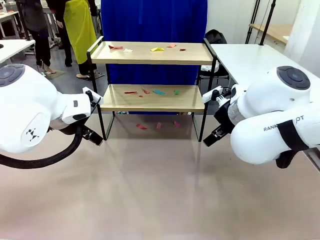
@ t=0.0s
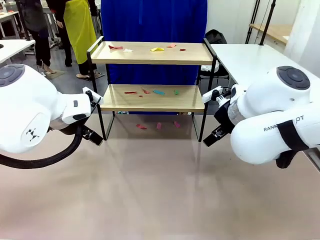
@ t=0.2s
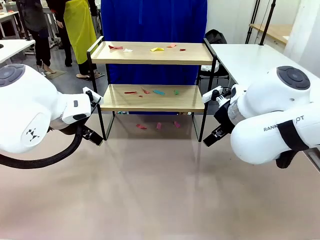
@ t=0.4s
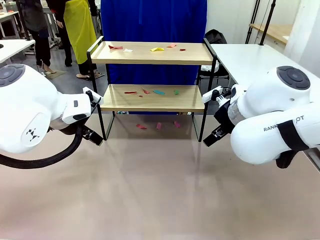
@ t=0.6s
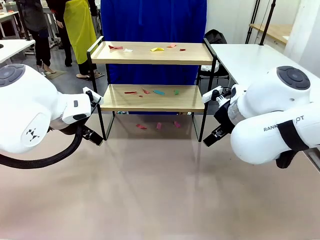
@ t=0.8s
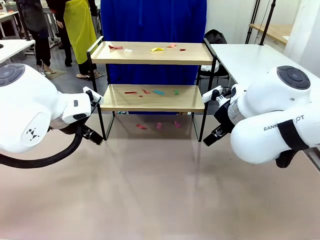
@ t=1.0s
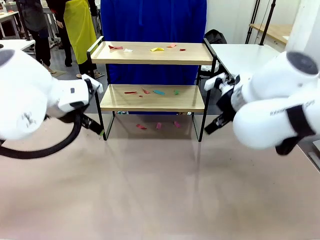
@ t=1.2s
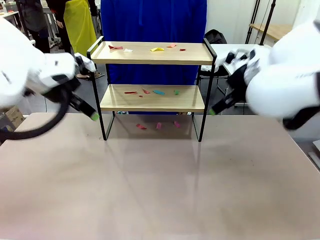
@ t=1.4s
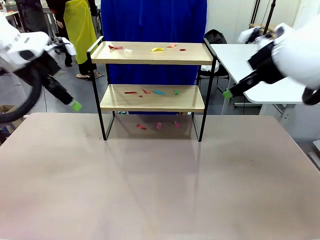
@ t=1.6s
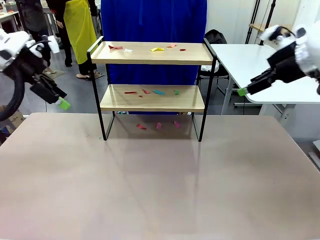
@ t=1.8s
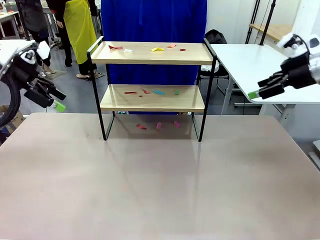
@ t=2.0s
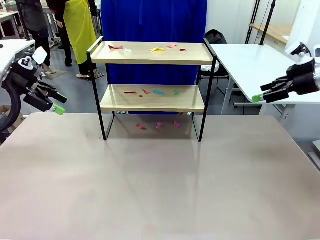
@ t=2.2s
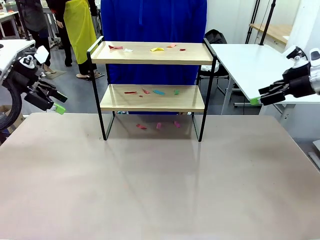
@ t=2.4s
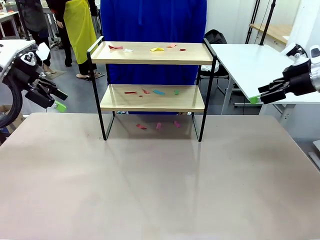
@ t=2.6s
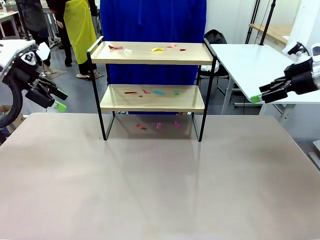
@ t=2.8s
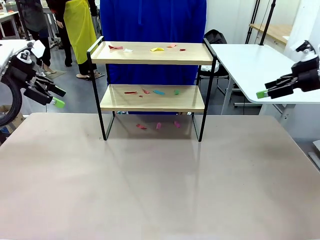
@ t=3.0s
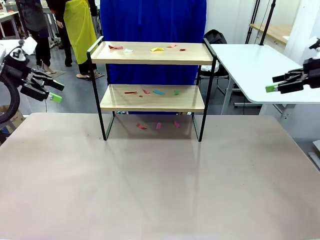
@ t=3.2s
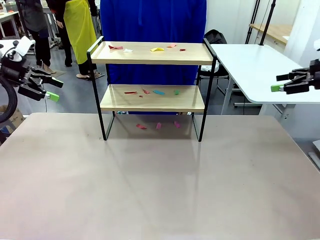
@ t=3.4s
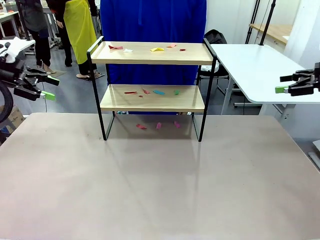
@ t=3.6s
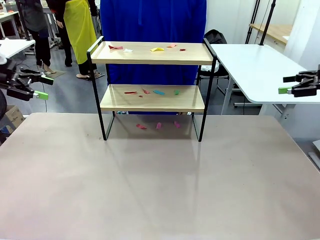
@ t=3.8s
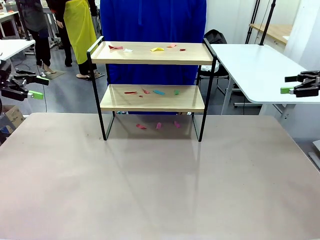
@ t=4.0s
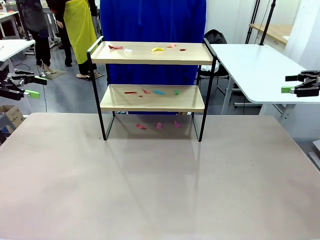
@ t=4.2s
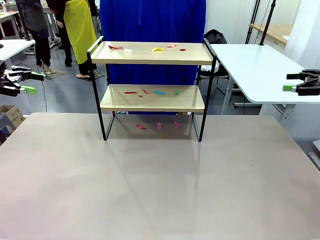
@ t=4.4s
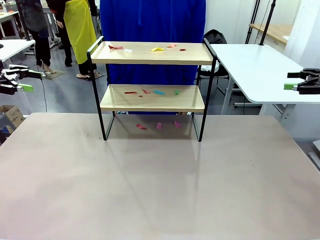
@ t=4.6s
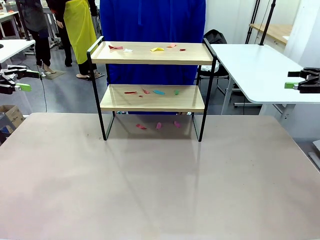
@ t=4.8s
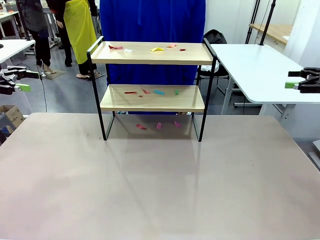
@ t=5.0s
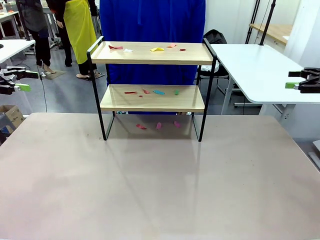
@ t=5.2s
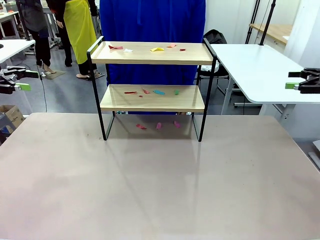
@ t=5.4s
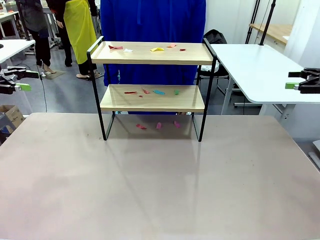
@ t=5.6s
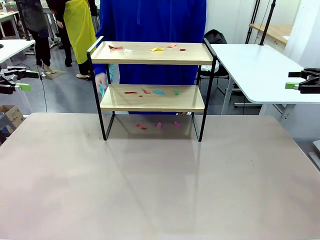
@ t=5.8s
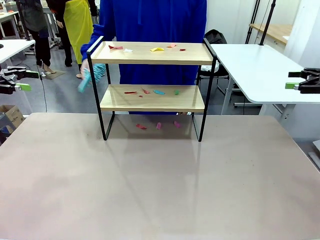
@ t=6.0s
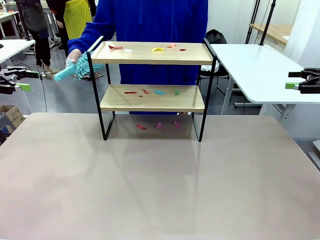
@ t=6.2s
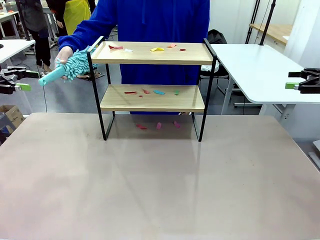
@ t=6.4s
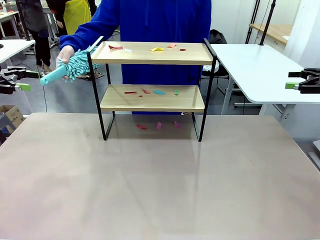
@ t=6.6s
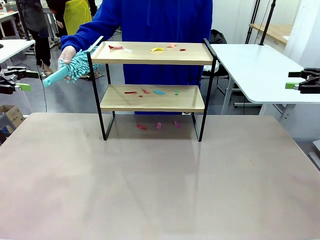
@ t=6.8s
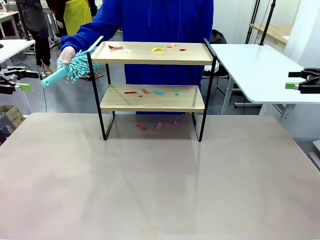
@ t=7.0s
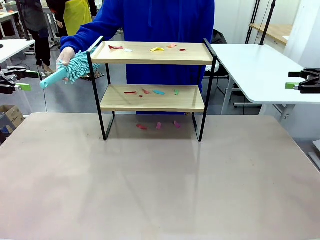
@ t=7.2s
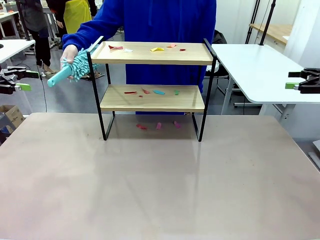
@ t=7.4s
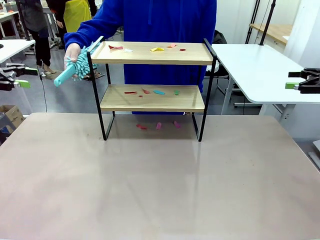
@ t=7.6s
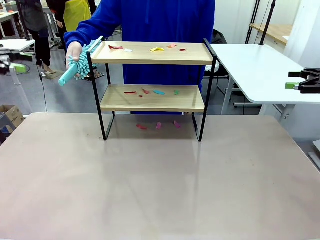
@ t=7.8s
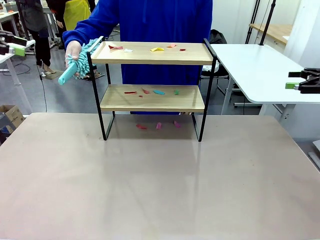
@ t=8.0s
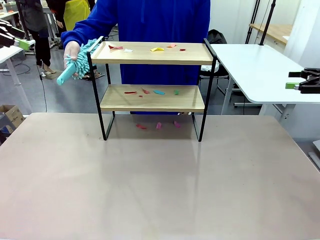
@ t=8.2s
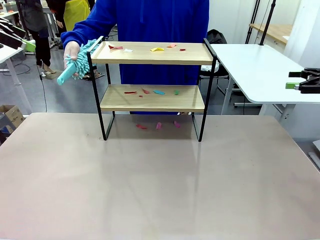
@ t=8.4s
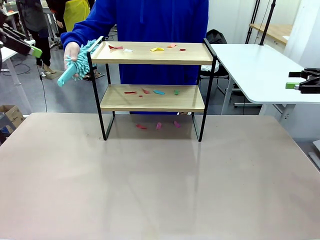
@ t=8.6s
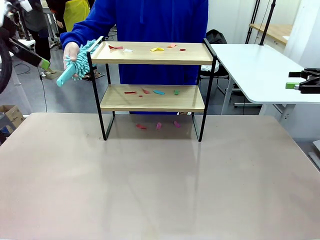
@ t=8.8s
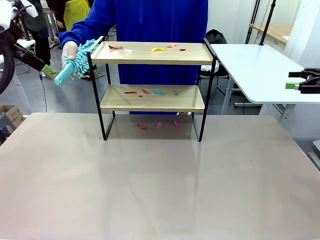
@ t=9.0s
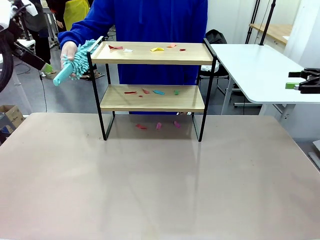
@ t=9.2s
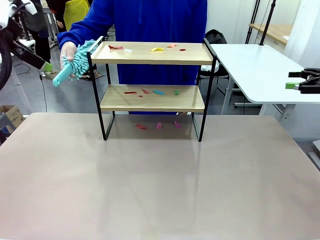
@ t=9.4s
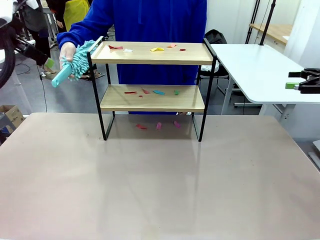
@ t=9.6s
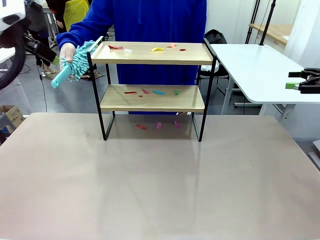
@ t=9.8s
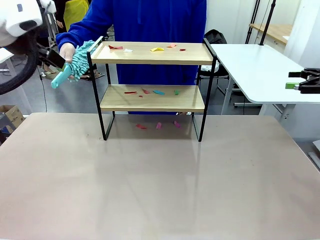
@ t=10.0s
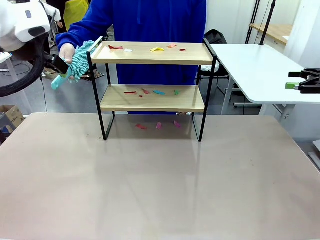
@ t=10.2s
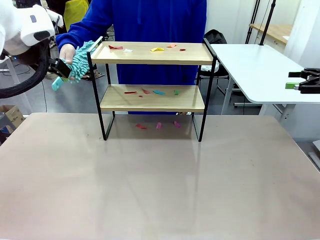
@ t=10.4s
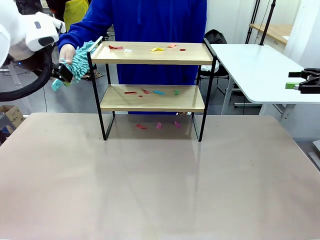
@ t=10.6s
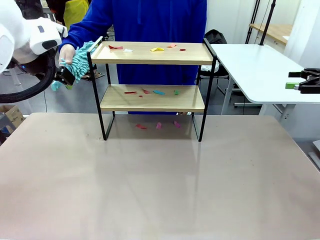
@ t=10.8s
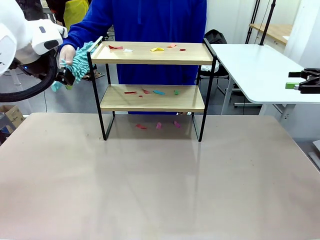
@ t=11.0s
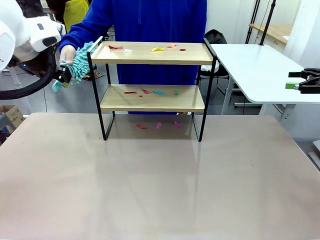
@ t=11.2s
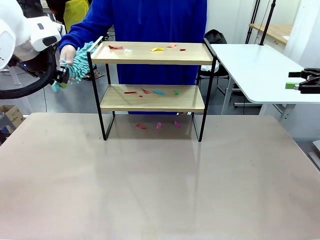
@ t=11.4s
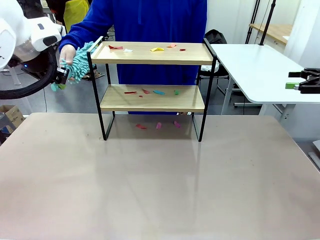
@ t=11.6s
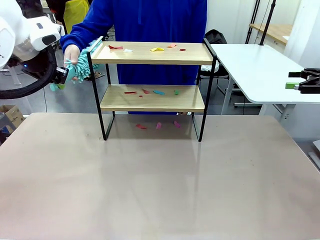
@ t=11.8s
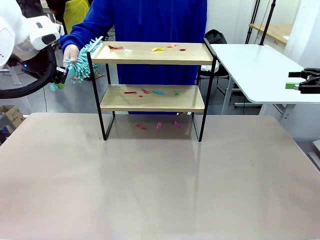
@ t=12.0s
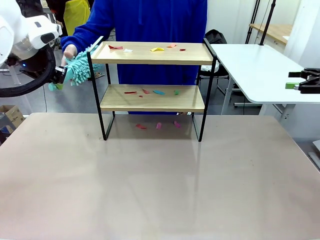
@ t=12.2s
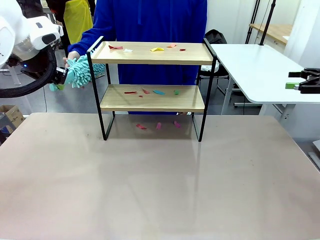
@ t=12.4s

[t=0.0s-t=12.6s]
Task: Clean the shelf.
Robot: Pick up the Duster handed by the human.
Person: Hand the Duster to the robot.

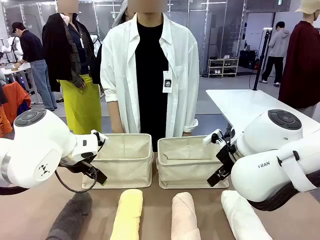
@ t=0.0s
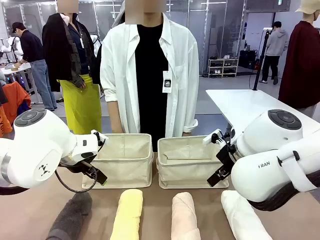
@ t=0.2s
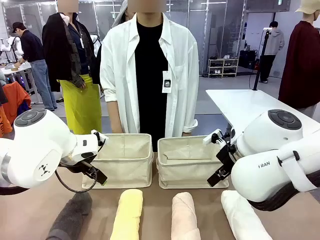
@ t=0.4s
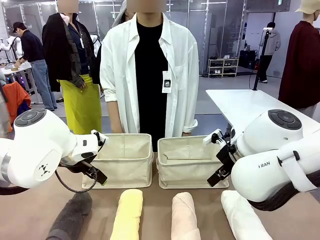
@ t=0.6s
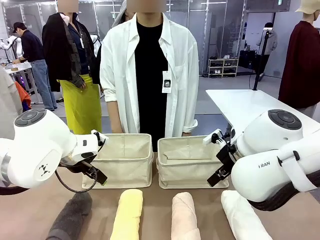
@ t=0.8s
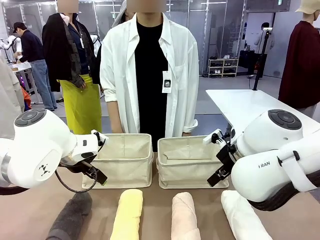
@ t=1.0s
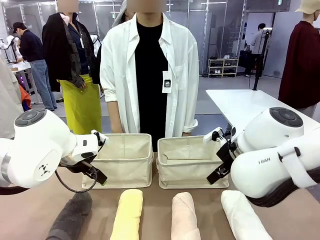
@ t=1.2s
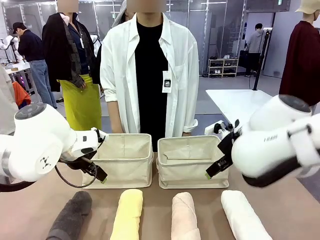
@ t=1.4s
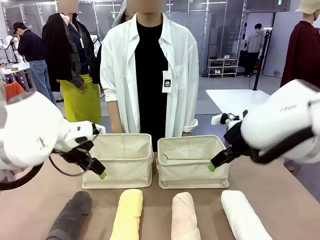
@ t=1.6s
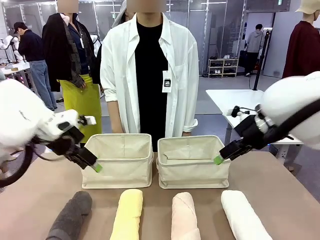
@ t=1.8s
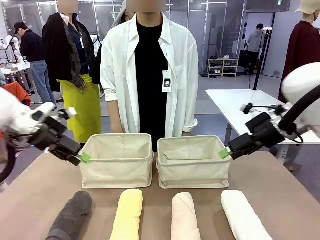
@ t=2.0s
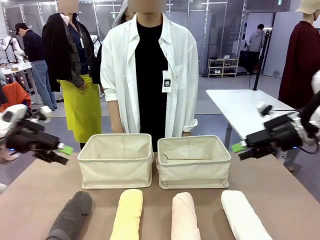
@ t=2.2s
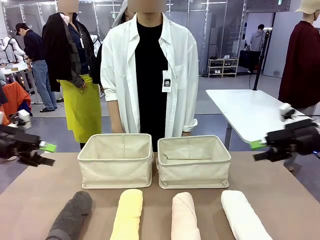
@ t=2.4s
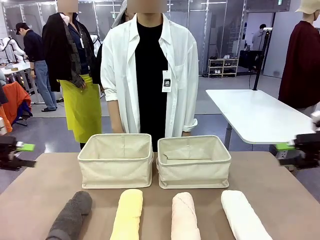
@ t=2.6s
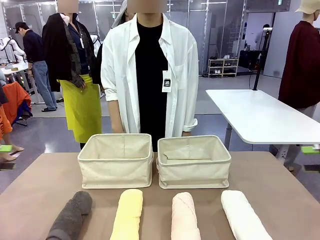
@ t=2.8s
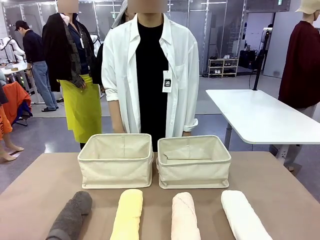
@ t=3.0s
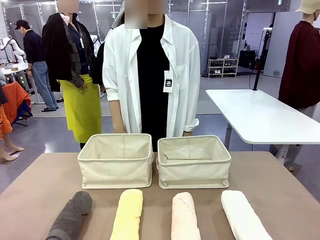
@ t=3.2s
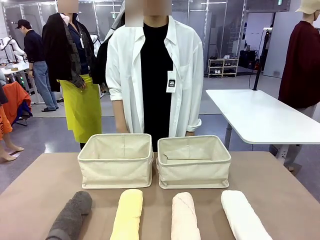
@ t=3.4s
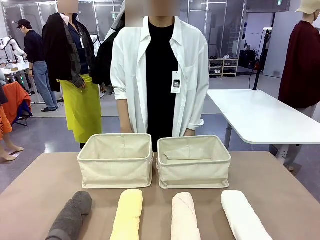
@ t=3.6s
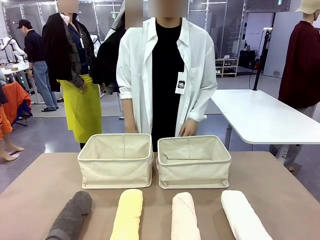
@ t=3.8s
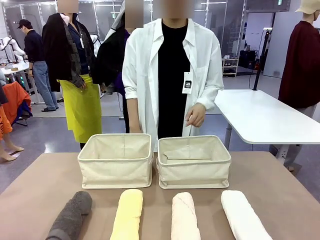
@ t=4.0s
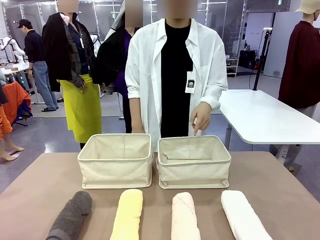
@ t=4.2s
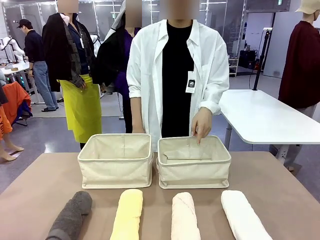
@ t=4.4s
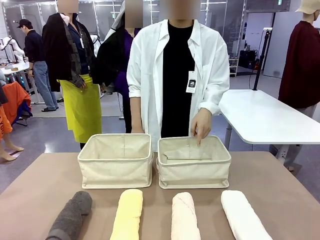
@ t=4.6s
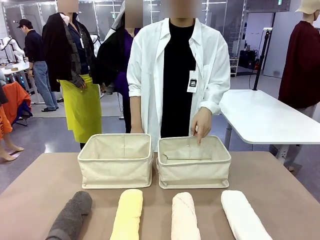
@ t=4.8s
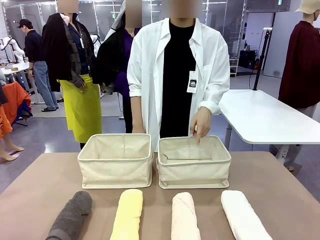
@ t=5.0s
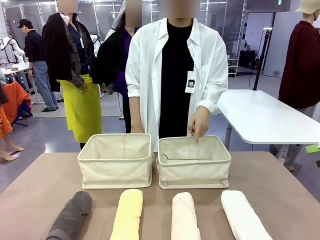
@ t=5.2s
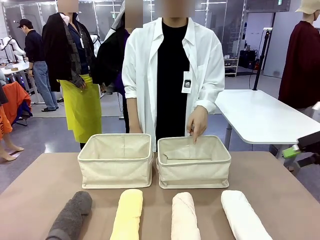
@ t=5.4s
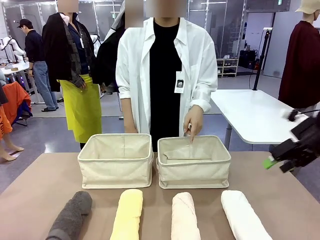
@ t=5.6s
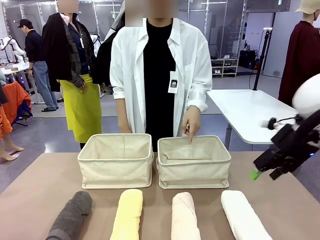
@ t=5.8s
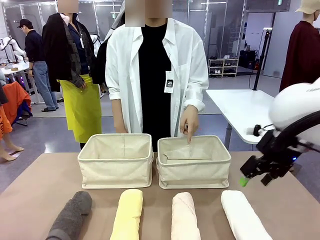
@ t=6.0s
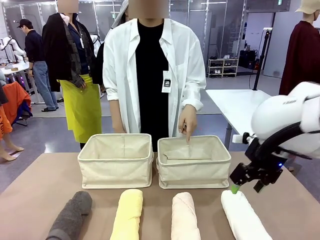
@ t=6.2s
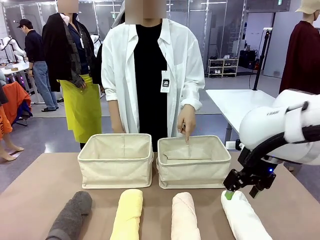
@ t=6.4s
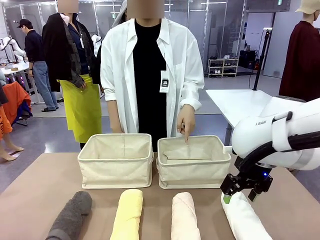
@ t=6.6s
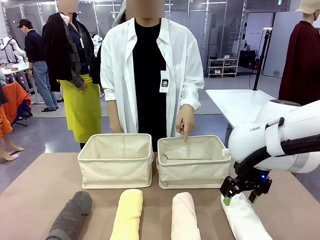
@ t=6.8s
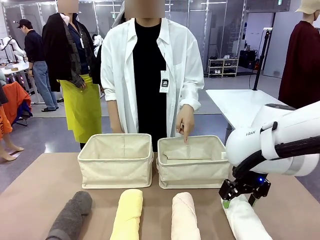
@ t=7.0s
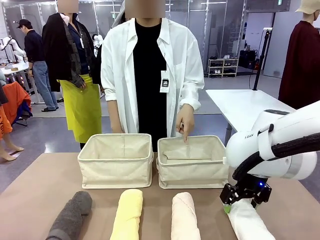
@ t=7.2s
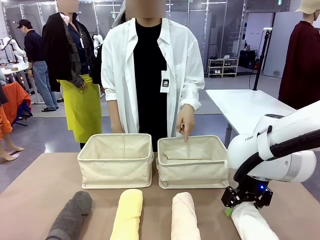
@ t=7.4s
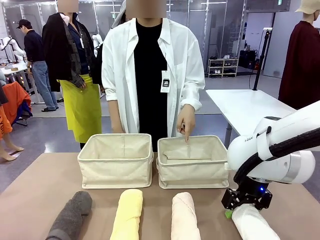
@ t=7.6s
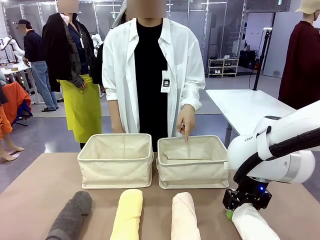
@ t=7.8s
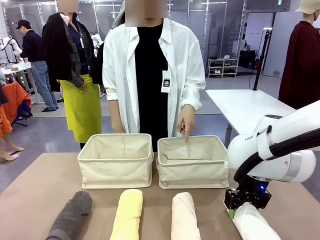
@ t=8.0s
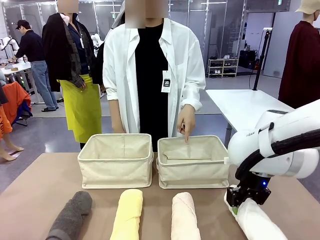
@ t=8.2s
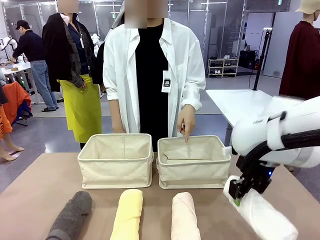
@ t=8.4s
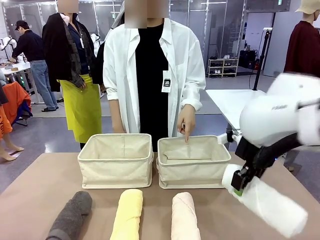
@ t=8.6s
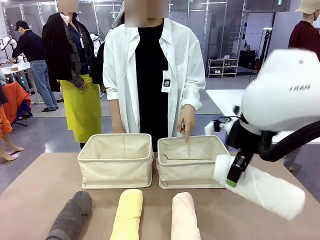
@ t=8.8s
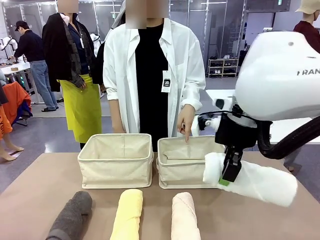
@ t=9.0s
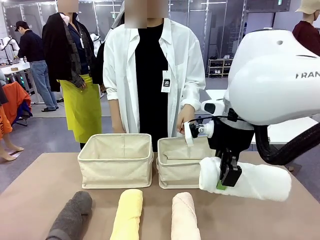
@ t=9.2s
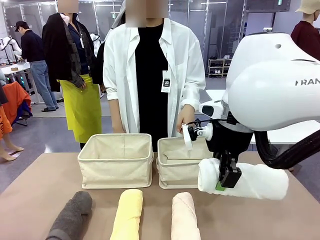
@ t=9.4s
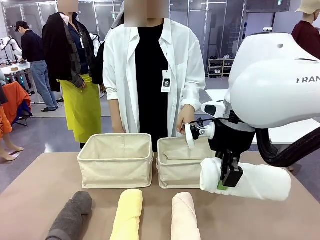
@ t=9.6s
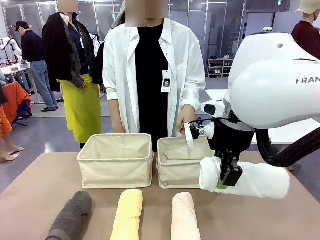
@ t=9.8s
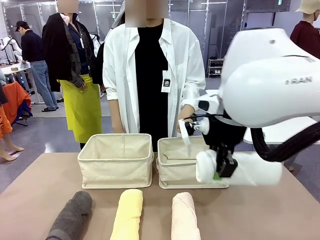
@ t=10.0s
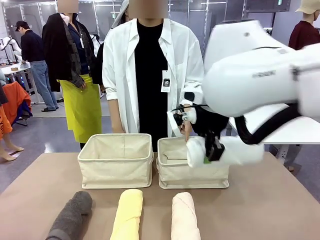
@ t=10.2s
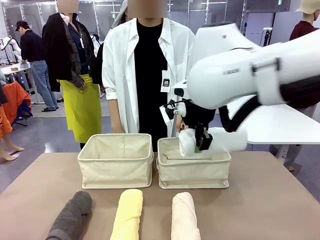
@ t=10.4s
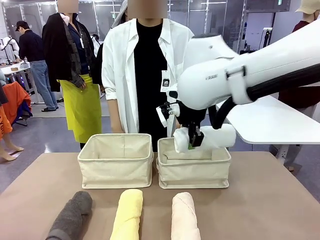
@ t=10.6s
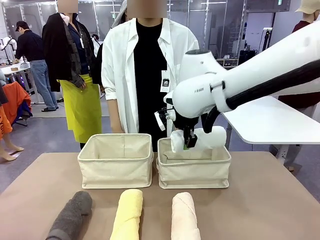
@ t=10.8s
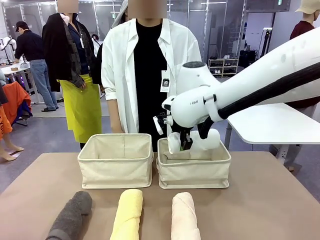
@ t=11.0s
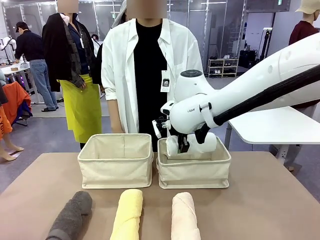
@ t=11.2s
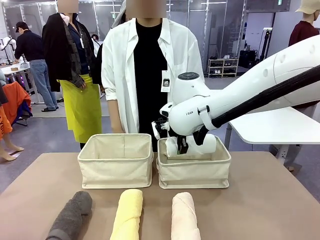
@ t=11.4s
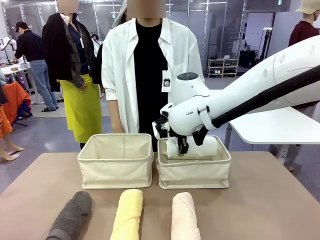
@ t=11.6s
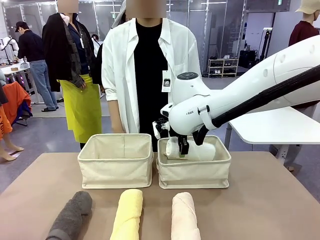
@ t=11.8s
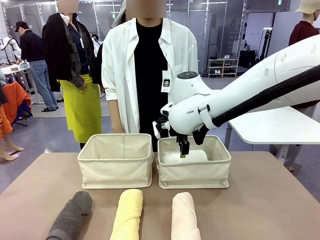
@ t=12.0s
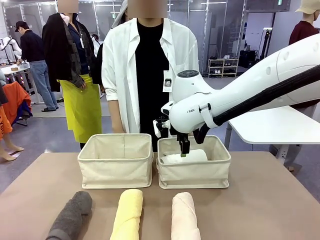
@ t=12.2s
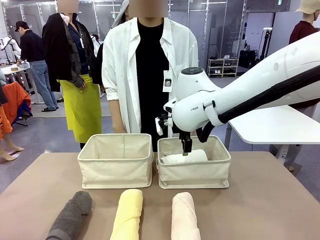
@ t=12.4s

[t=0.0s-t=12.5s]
Task: Divide the towels into two baskets.
Robot: Pick up one hotel-folded towel and place it in the Fabric basket indicated by the person.
